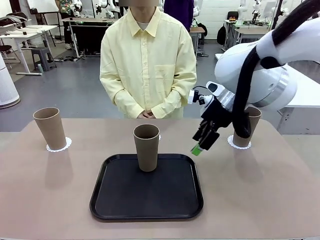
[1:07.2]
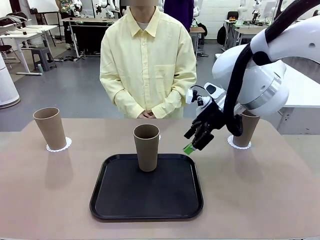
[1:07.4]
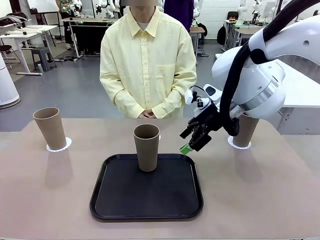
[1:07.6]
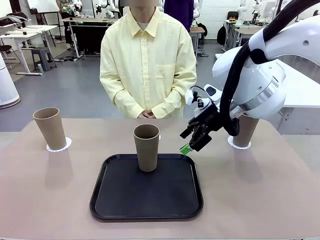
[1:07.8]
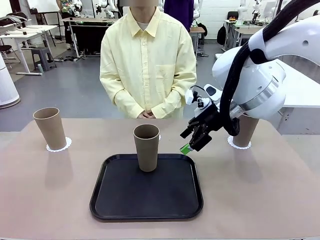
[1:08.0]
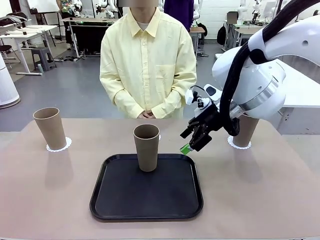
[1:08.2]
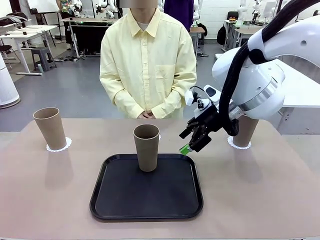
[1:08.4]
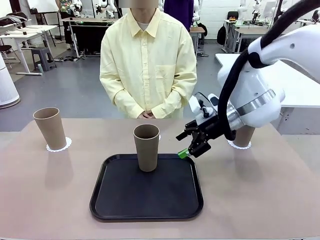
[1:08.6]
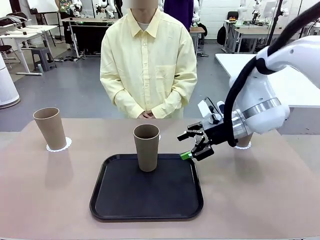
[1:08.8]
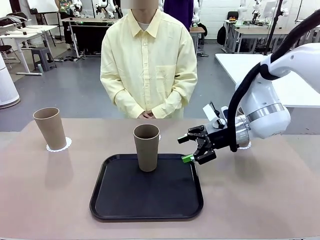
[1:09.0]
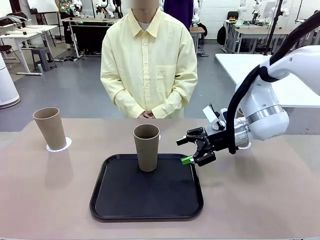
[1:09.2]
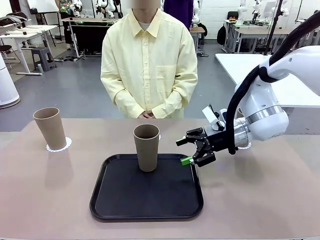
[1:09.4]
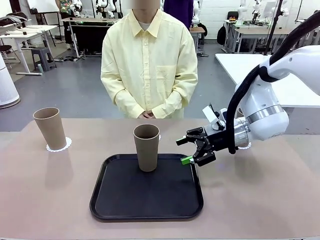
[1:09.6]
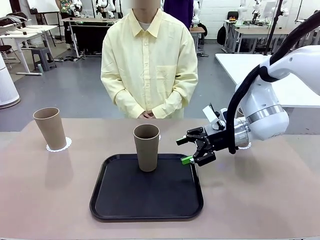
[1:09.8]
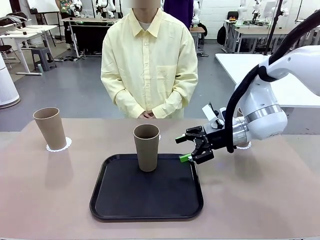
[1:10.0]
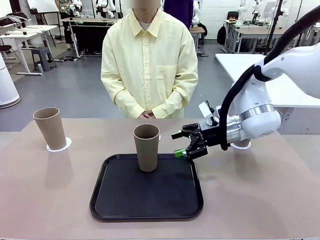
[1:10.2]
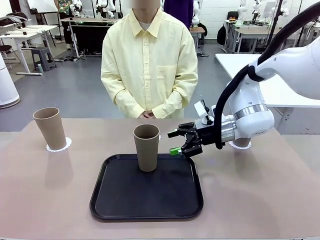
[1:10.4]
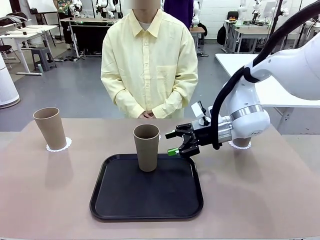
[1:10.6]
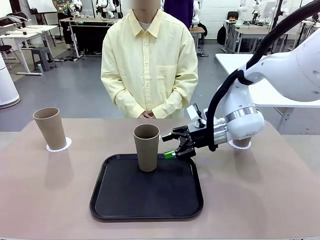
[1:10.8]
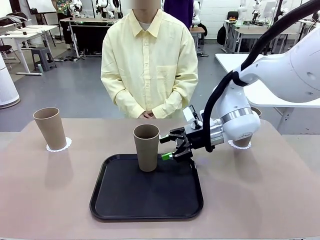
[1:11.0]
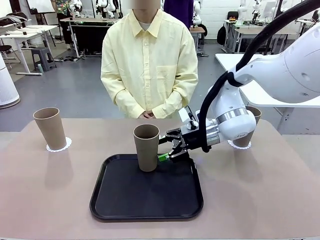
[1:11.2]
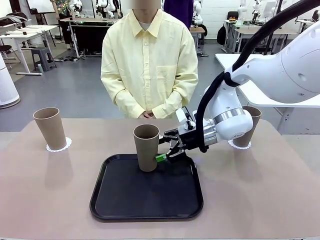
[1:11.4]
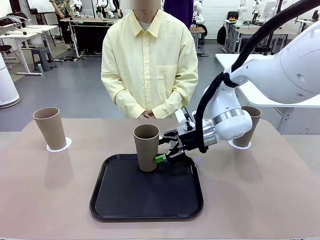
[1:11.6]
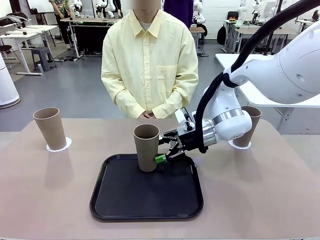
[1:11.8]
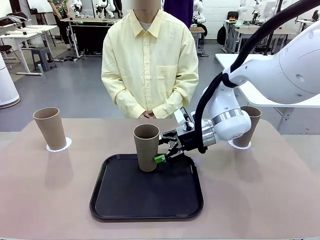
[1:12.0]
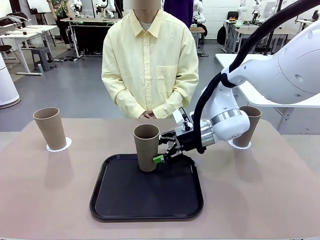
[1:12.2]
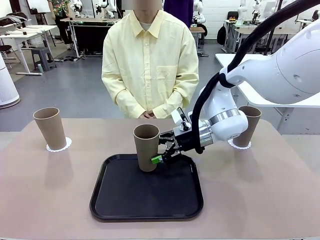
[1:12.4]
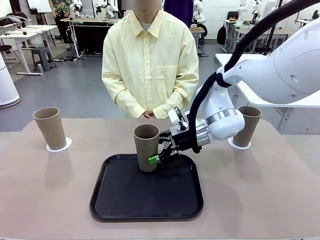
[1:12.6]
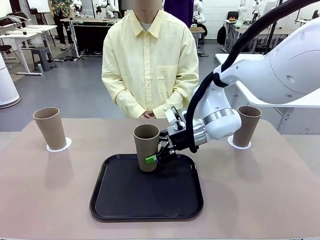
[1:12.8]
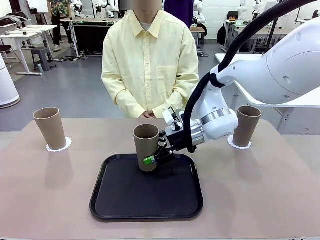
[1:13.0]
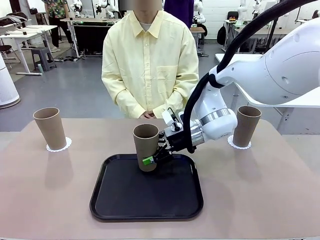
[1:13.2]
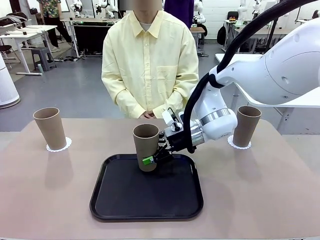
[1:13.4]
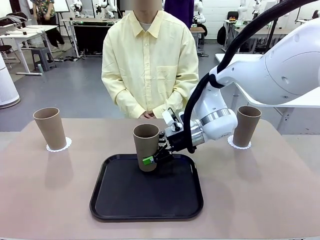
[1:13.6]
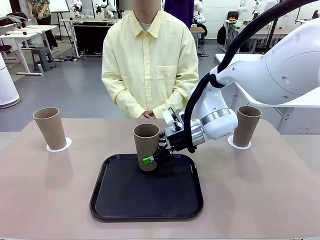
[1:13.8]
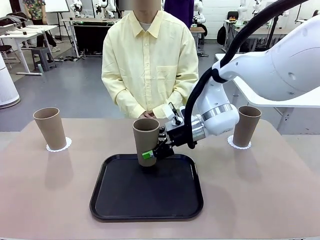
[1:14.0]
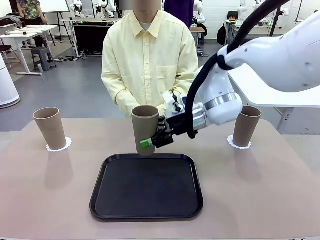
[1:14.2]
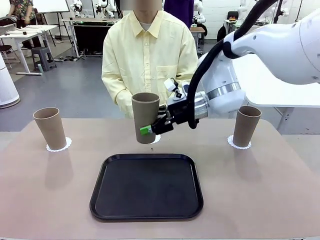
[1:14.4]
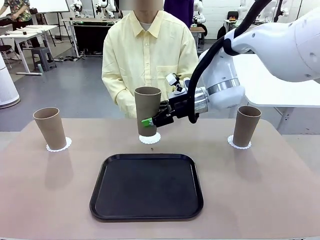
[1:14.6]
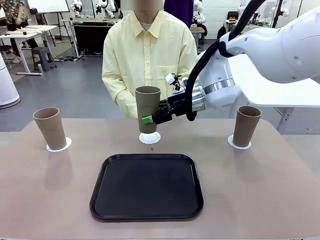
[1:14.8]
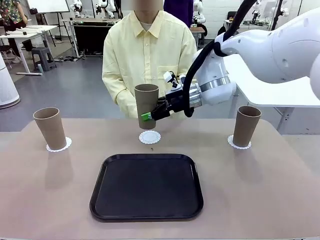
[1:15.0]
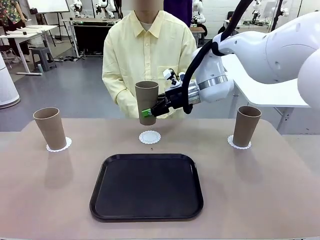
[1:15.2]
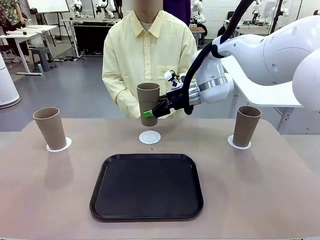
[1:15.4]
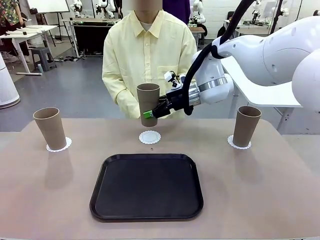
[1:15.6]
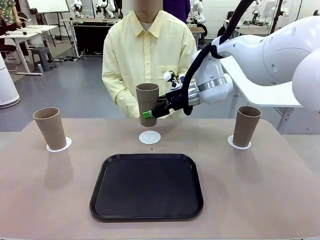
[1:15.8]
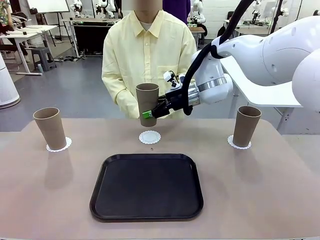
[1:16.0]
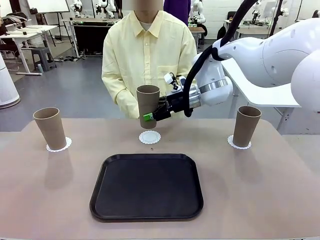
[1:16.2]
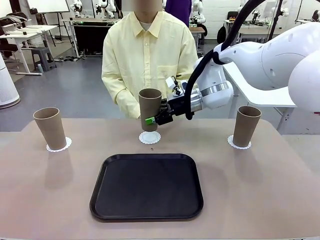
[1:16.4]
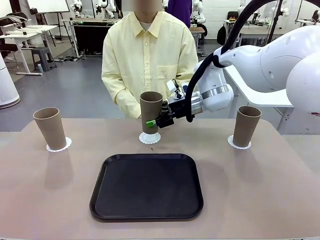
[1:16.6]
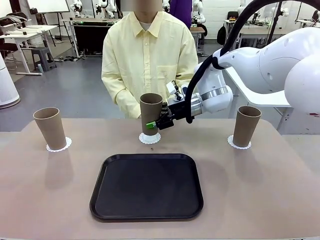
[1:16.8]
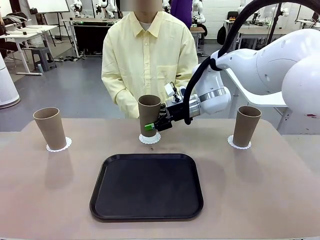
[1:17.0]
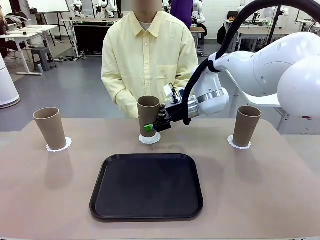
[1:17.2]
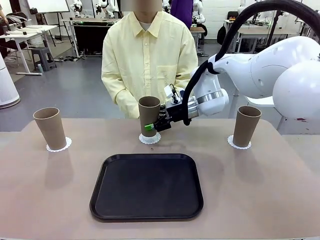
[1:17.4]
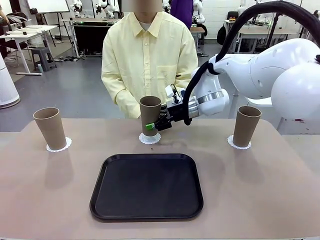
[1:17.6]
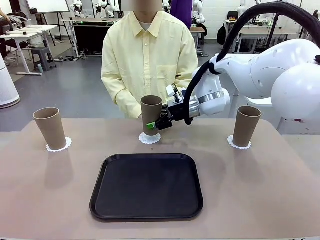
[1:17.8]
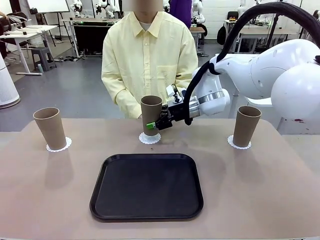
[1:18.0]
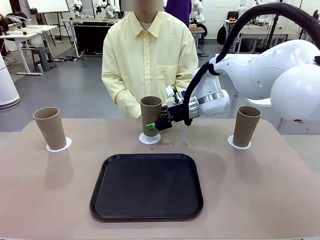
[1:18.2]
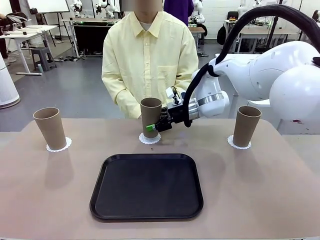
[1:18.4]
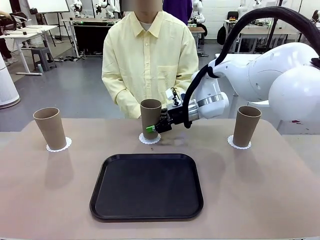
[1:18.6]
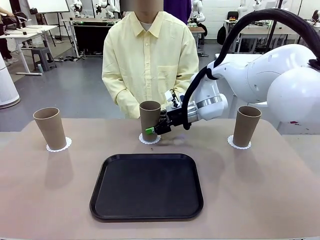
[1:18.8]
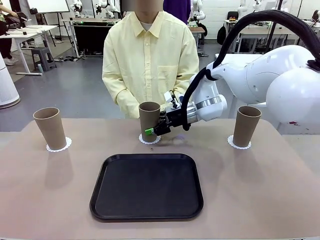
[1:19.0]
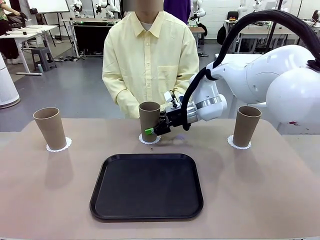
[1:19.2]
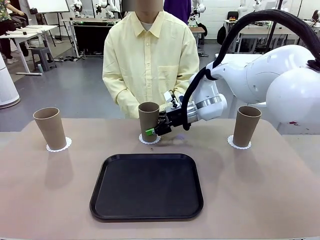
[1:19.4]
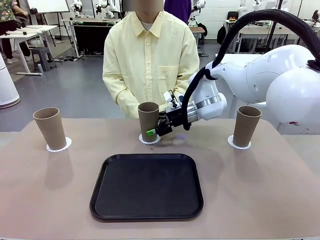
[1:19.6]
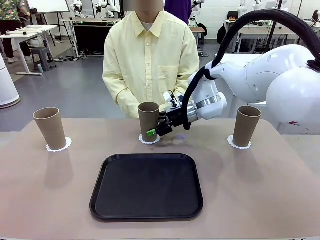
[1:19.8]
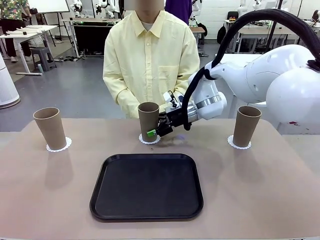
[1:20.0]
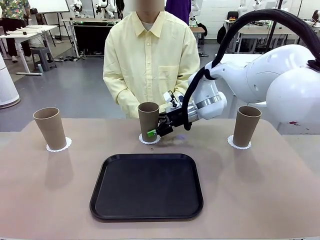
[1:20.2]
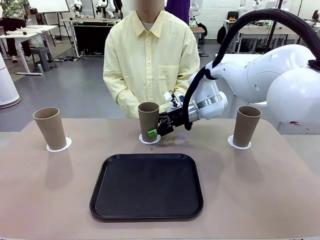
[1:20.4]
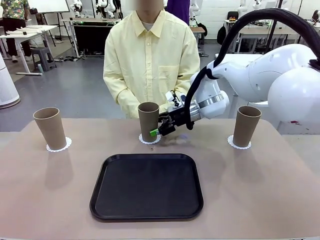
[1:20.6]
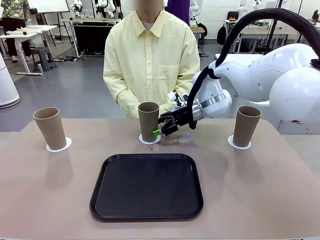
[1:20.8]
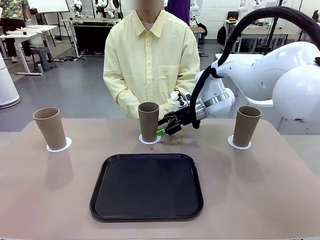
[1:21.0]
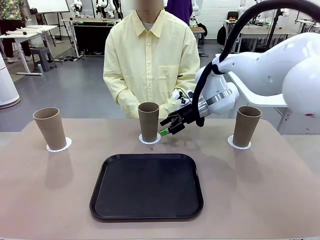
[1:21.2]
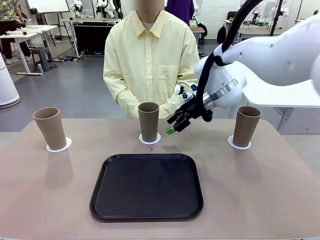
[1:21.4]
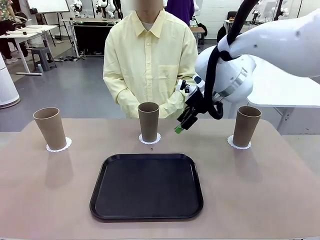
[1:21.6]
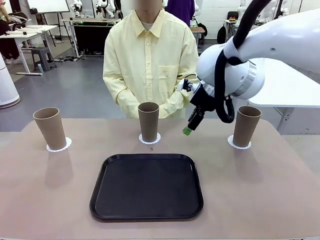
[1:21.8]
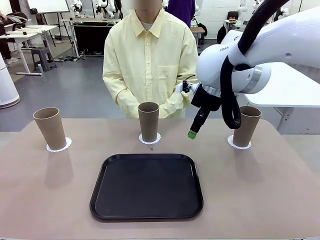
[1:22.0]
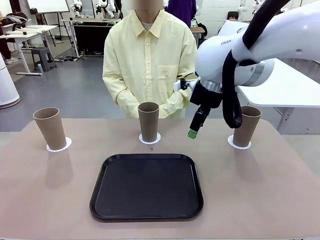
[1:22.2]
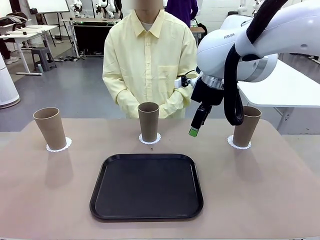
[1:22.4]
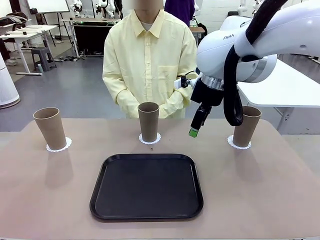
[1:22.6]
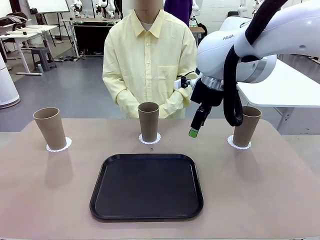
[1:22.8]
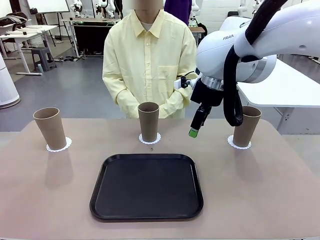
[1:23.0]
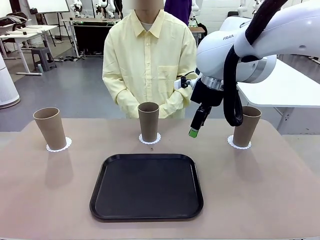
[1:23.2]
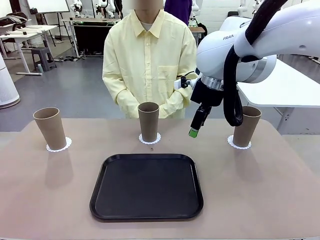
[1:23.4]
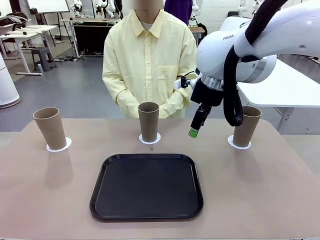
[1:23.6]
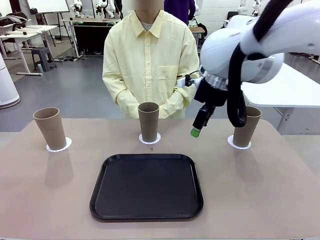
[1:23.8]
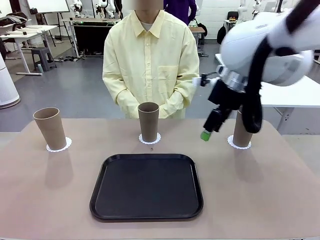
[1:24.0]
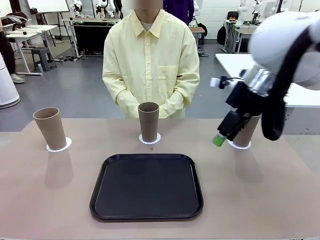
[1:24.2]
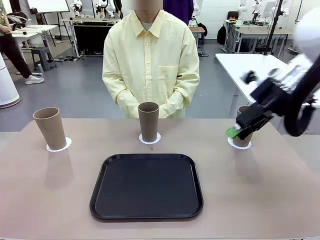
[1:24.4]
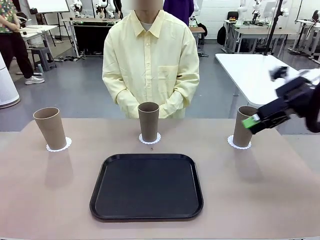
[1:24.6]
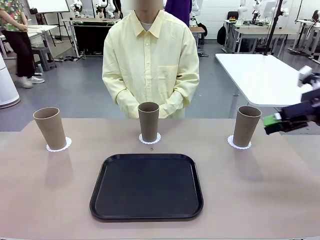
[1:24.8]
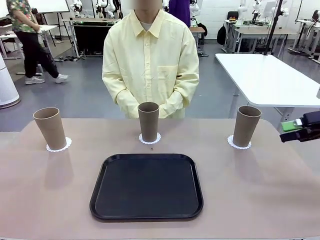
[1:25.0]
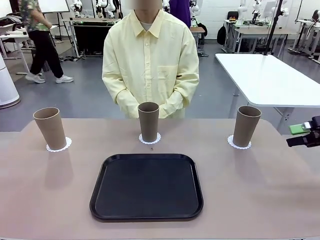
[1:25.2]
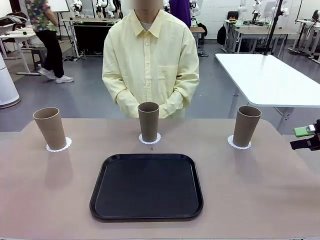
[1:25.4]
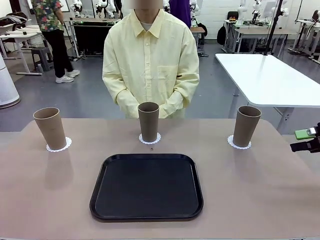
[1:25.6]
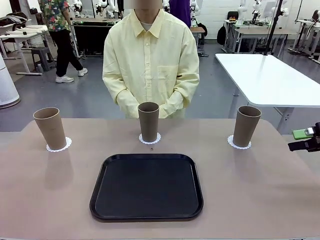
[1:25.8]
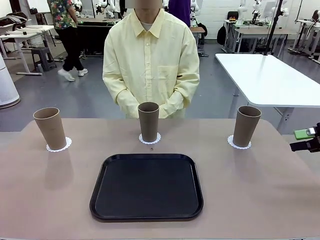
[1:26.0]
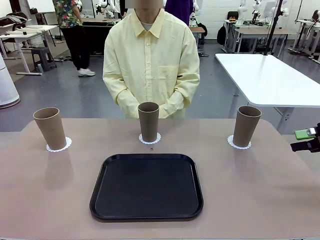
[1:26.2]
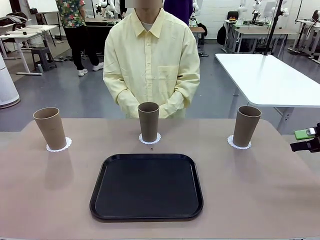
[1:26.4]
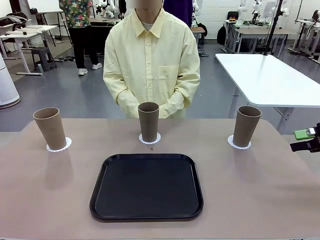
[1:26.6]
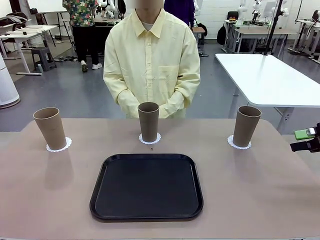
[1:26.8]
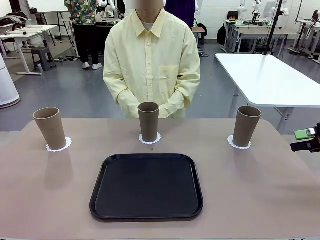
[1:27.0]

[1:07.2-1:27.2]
Task: Place coasters on the table and set cups on them.
Robot: Take one Reusable plastic cup from the Flat Tray and place it on a coaster set by the human.
